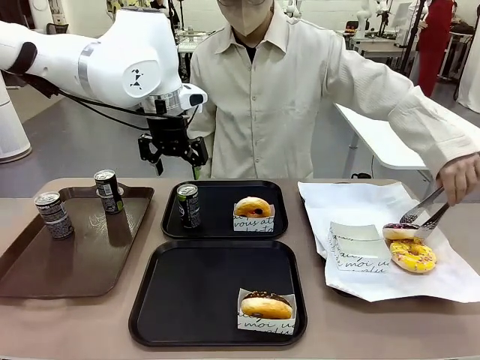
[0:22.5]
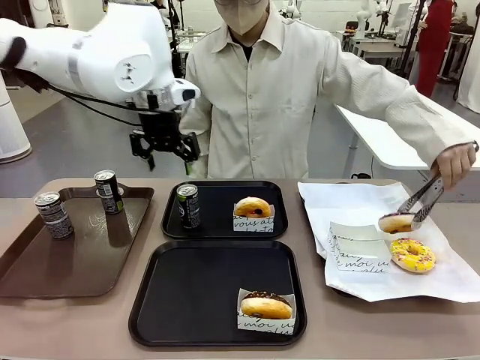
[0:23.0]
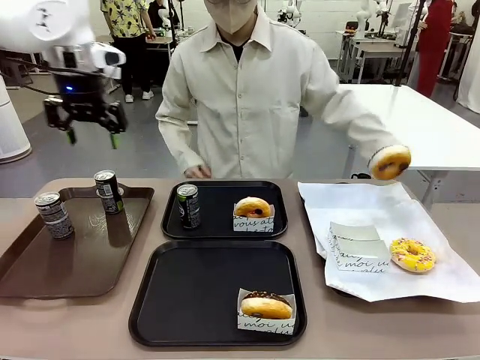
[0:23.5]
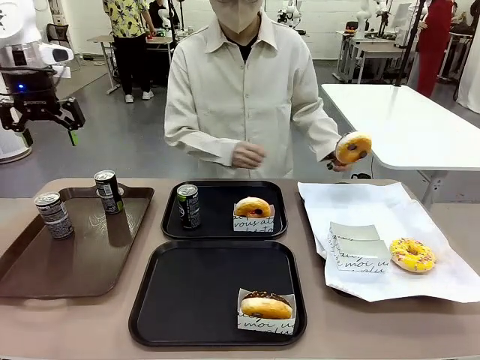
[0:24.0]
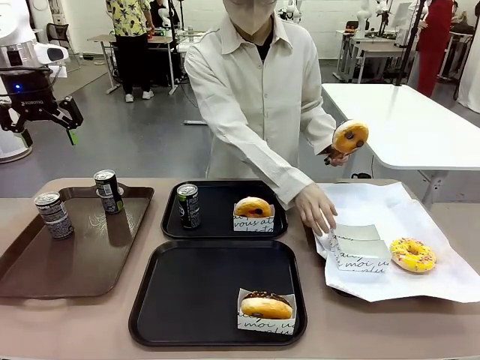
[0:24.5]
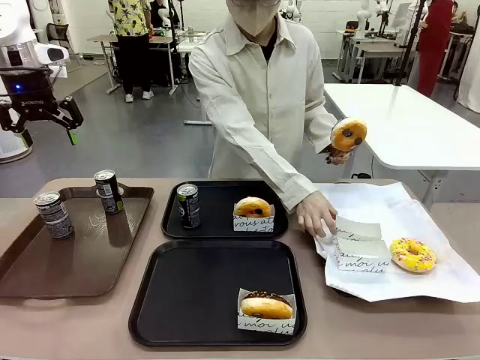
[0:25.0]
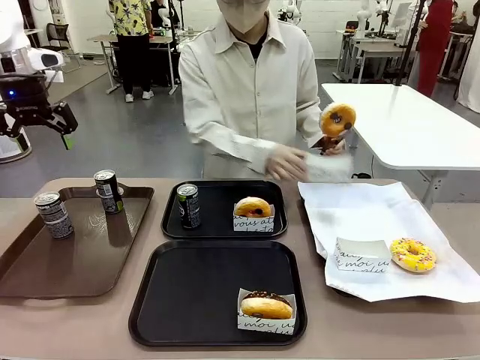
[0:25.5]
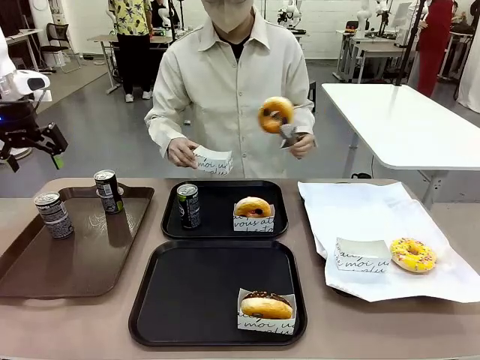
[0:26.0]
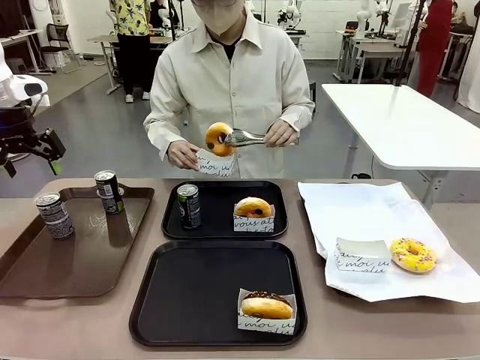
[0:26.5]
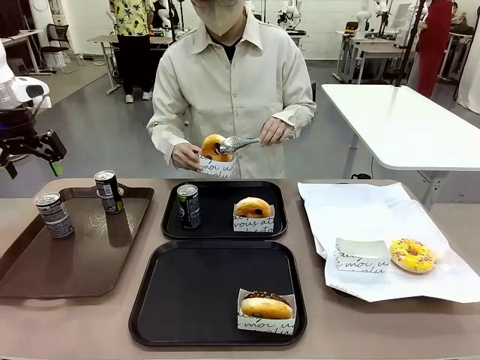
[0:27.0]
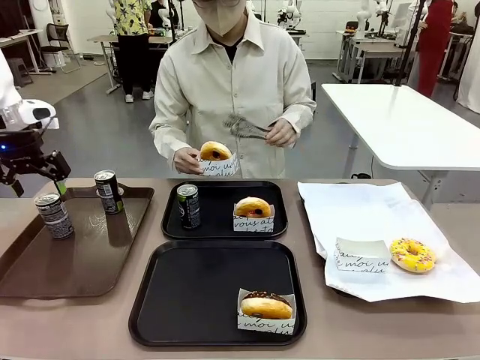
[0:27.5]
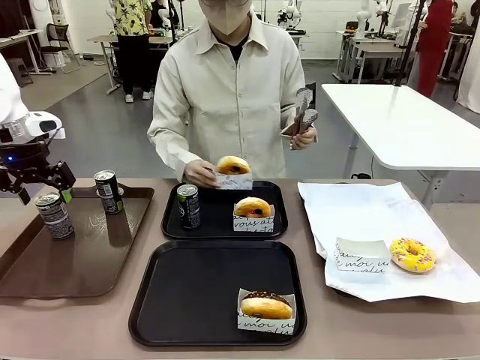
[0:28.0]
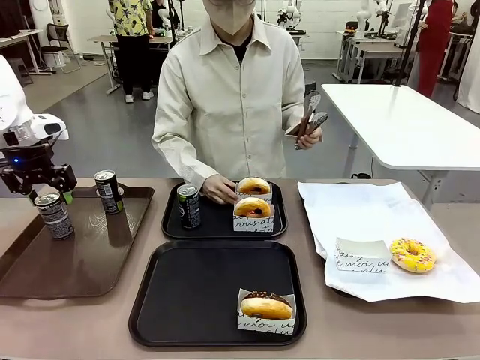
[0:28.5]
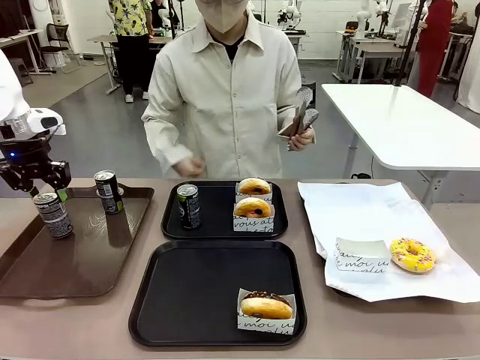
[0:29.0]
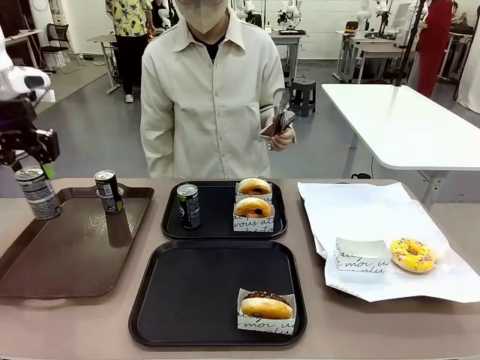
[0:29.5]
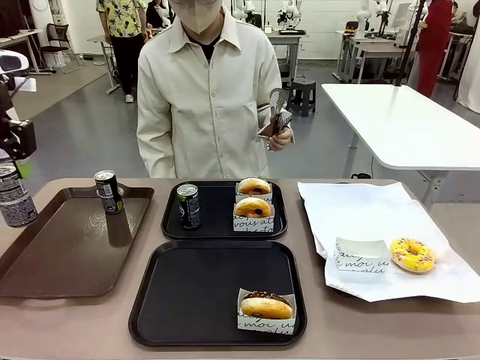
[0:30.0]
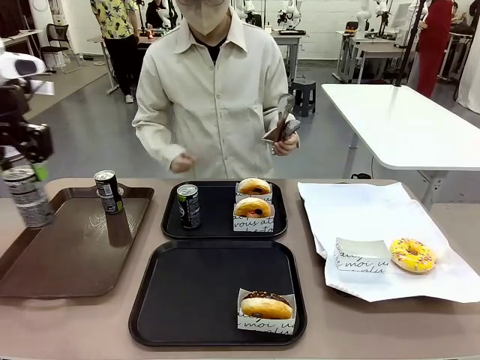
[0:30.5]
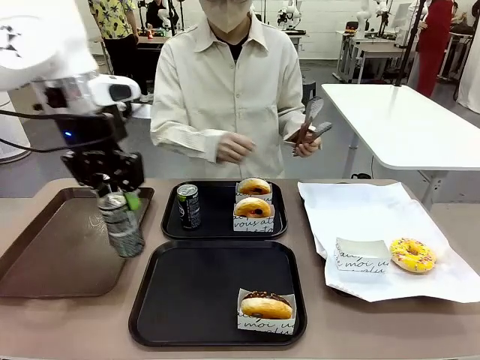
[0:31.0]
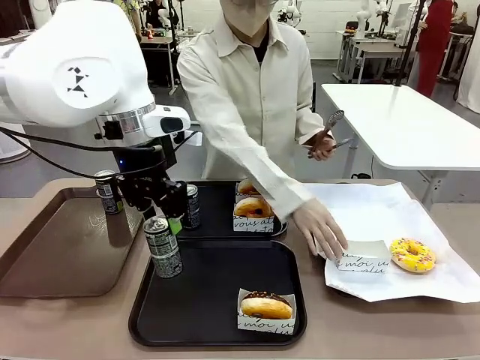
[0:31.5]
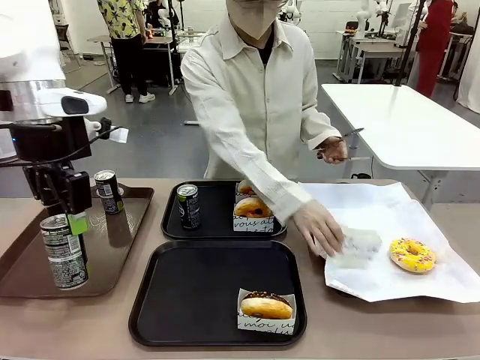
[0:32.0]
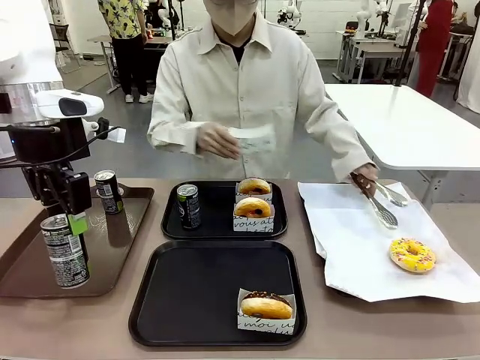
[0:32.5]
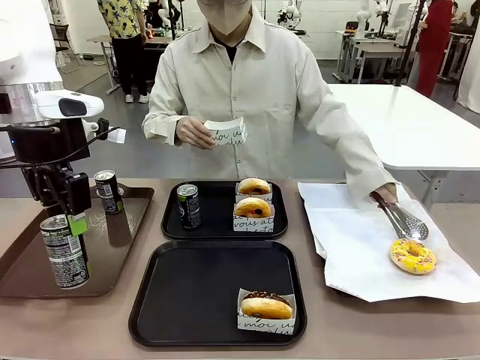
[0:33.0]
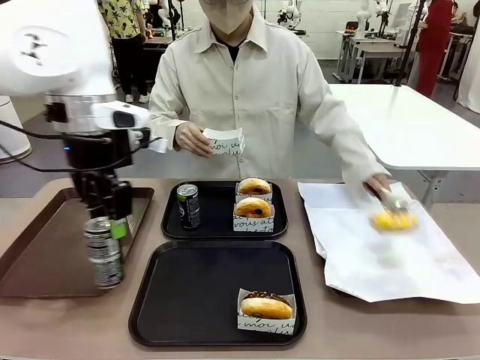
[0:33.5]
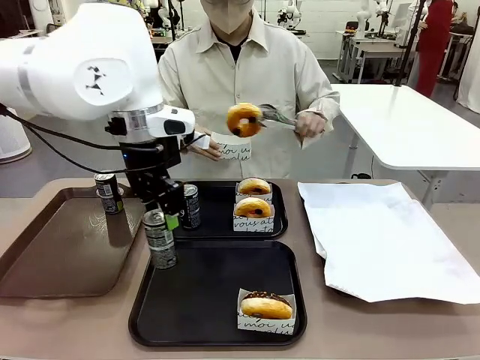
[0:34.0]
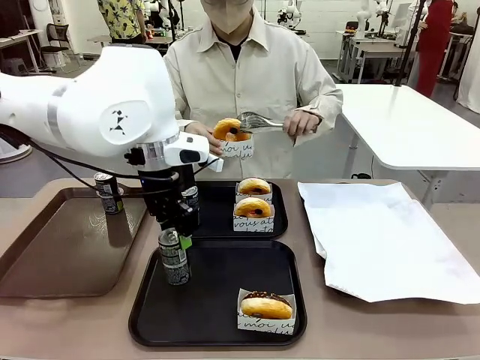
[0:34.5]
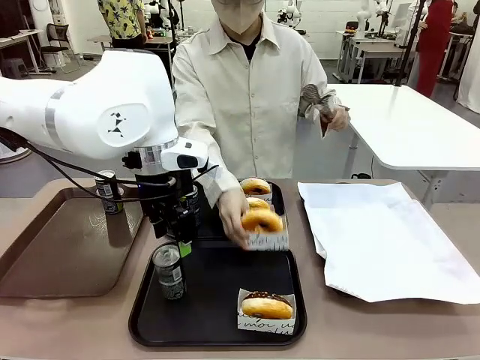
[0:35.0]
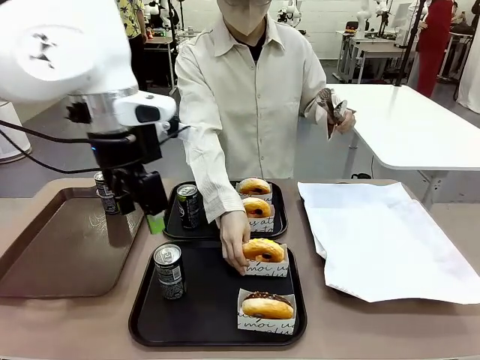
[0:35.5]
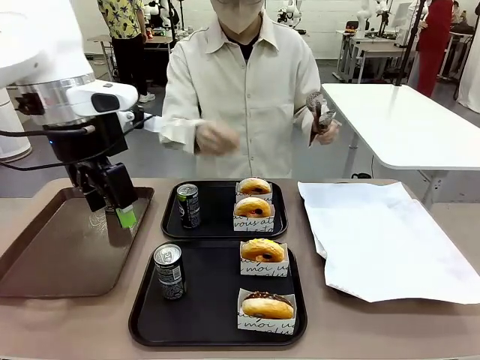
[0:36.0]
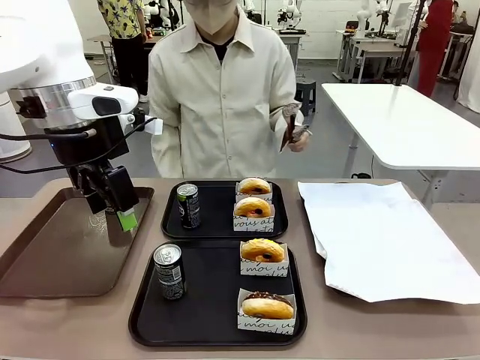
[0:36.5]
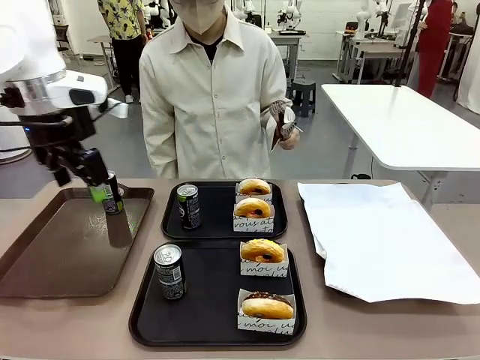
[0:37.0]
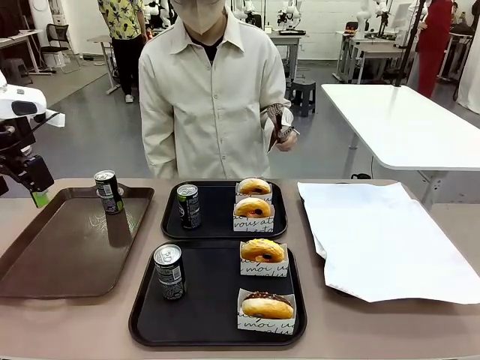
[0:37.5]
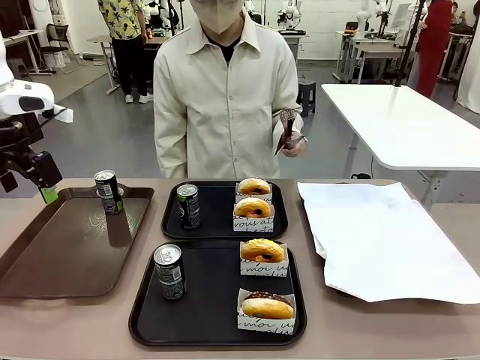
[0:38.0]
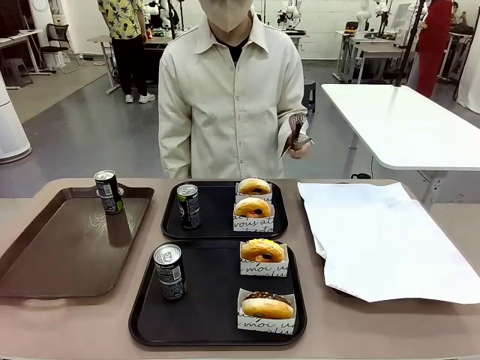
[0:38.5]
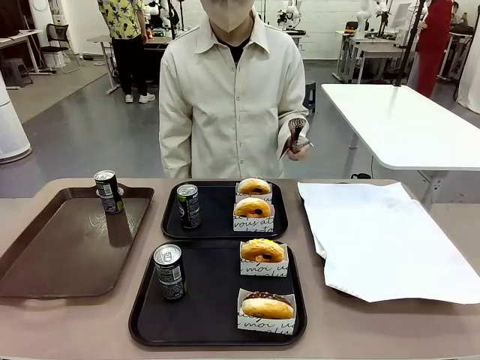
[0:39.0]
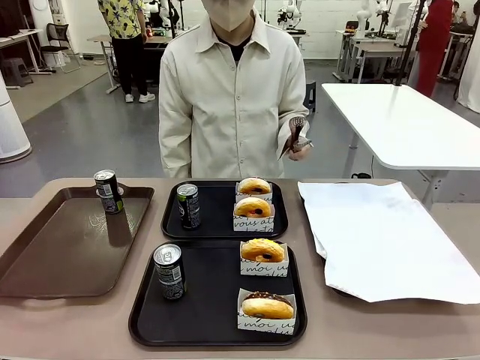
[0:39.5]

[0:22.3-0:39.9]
Task: Set up donuts and drinks on trays.
Robot: Pick up one Pepsi coke from the Handle tray and place it on the Flat Tray without a Pepsi coke.

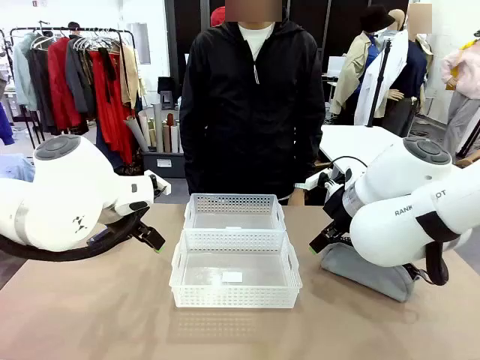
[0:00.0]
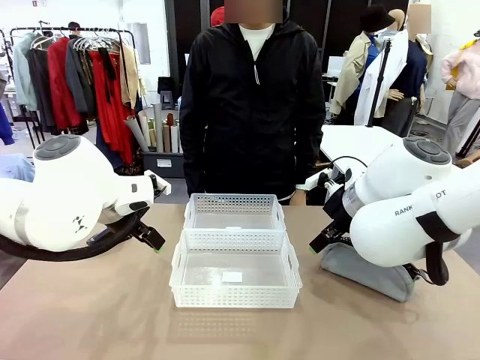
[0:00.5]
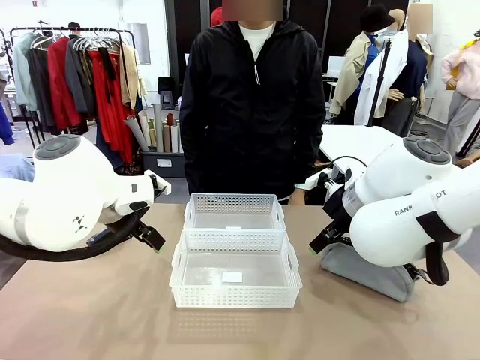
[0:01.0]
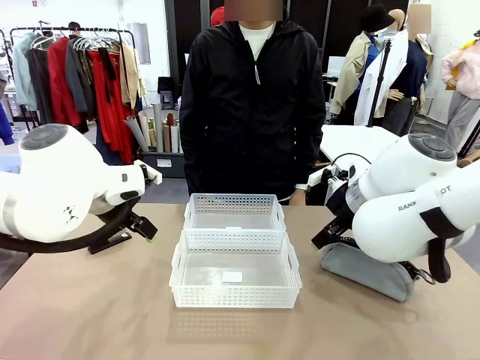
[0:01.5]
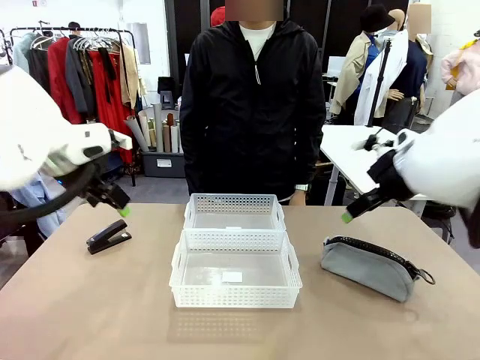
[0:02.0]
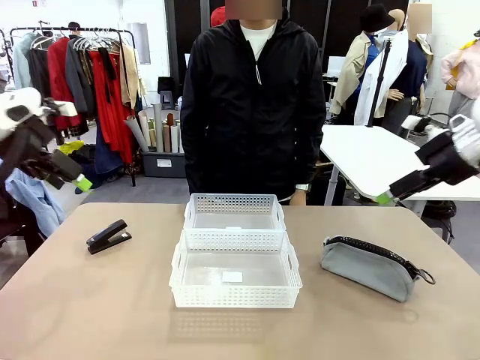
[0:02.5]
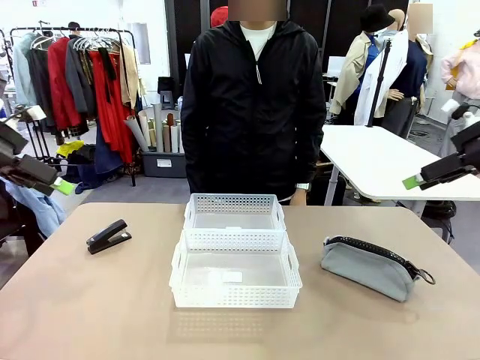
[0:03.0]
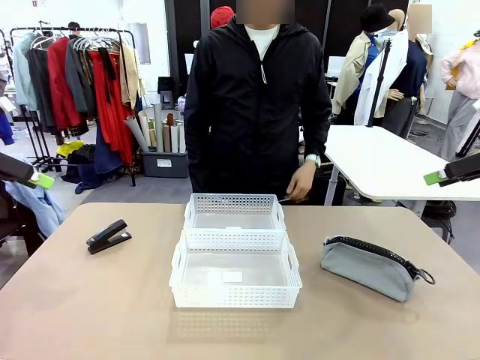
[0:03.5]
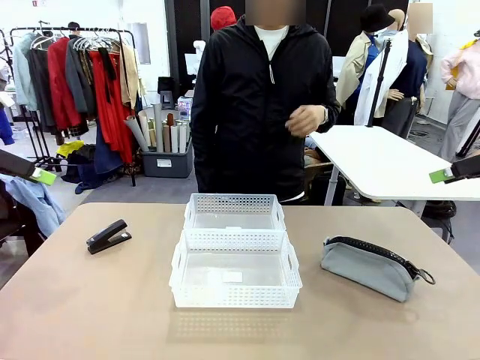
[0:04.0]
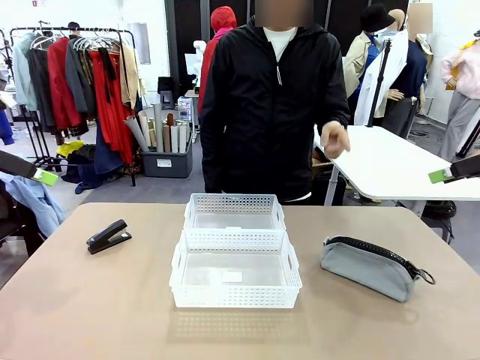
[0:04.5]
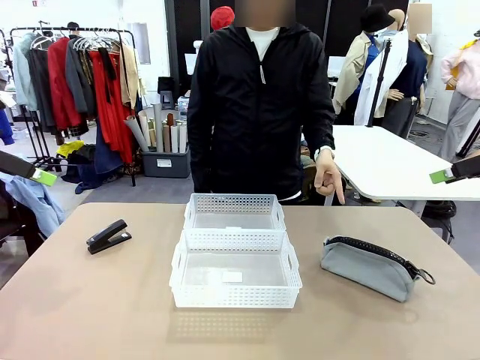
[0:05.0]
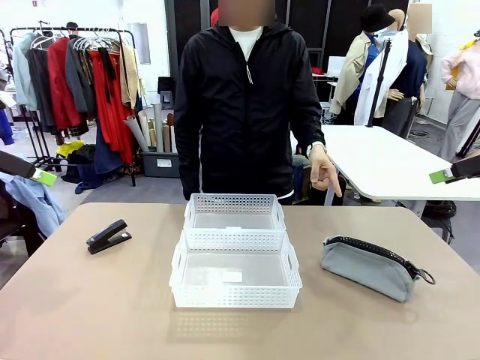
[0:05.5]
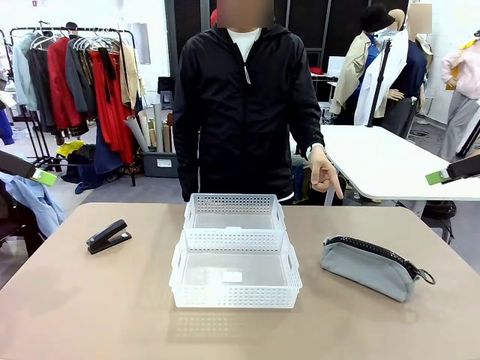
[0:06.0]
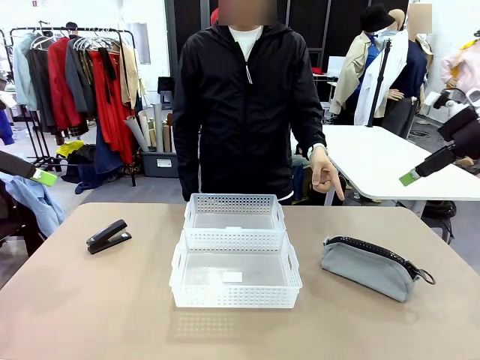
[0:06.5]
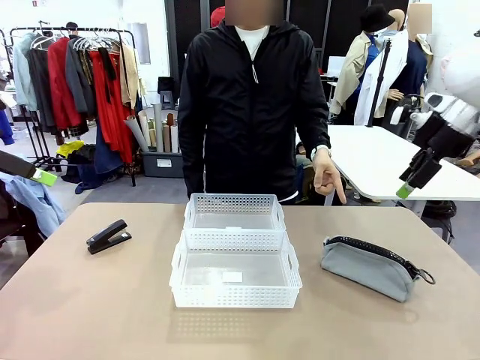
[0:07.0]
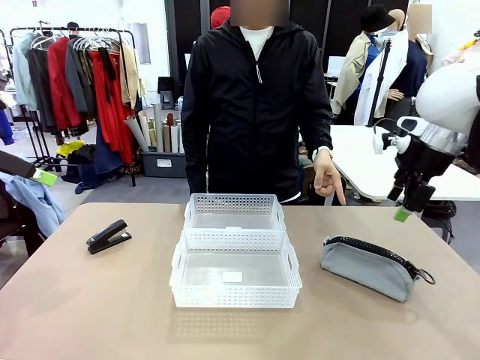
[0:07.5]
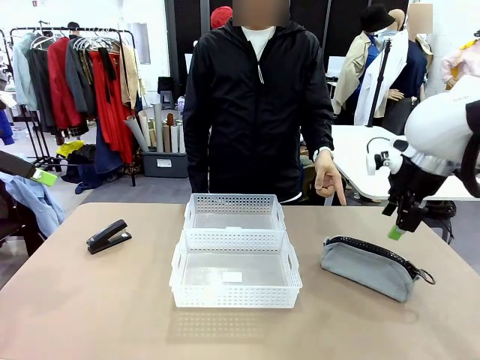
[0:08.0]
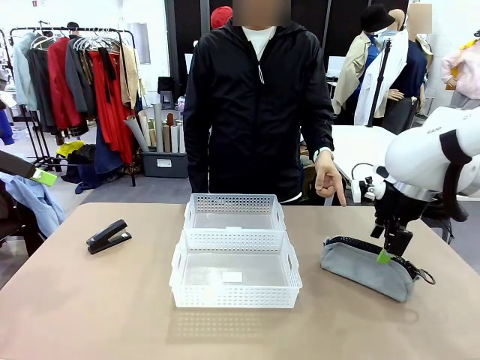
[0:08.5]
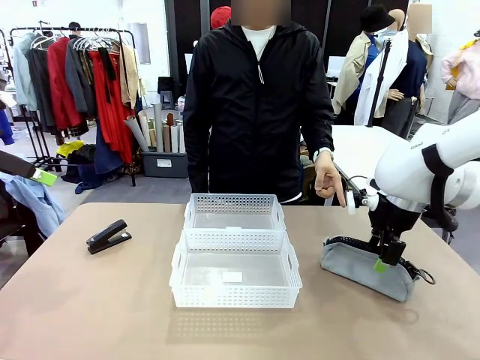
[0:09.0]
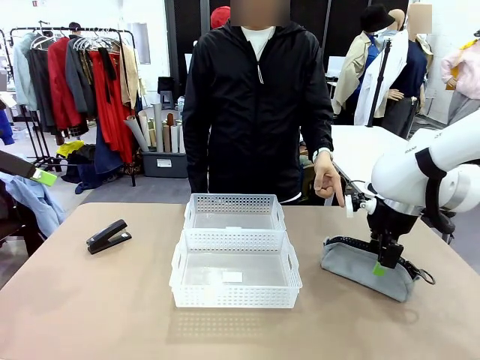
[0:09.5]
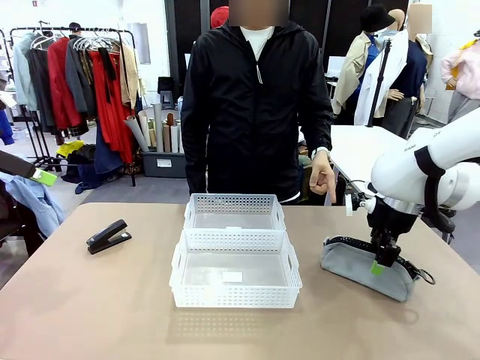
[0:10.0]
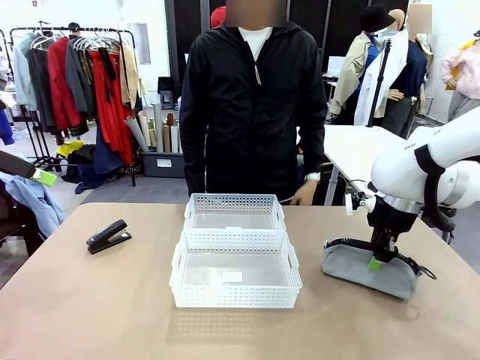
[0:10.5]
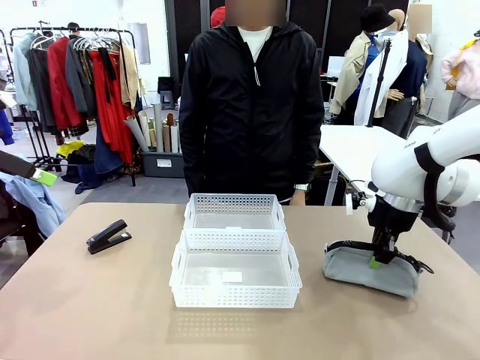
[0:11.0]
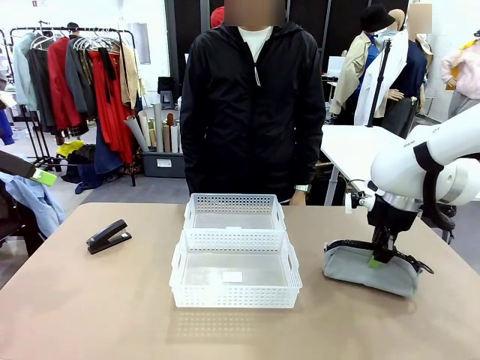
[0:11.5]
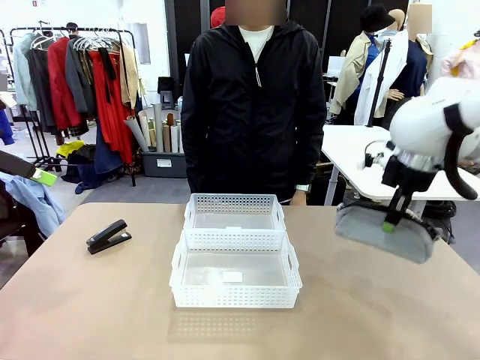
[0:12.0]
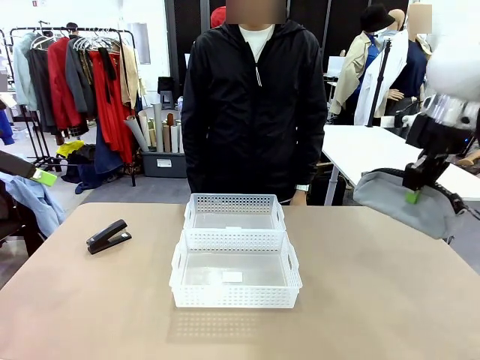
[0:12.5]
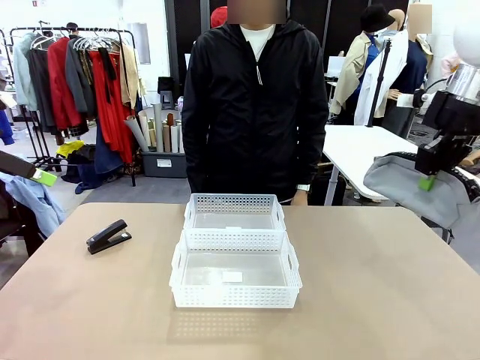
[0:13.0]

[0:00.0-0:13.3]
Task: Distribute items into two baskets.
Robot: Pick up the Pencil pouch that the person points to.
Person: Points to the pencil case. Points between the two organizing baskets and instructs the robot to move the pencil case.
